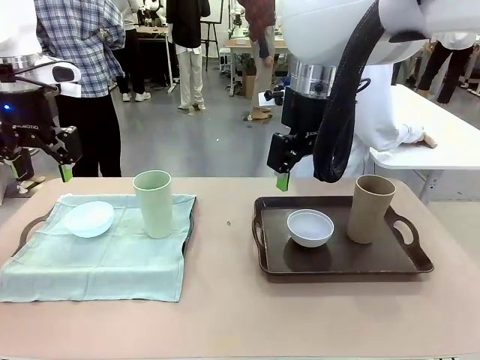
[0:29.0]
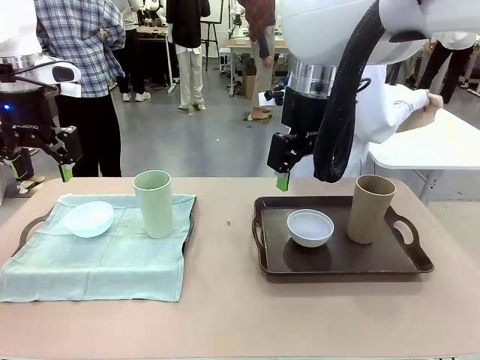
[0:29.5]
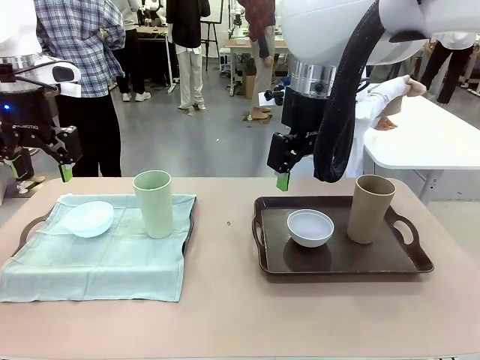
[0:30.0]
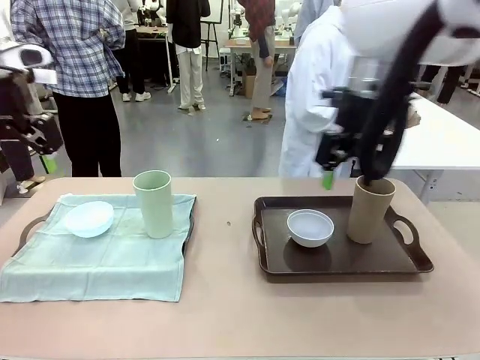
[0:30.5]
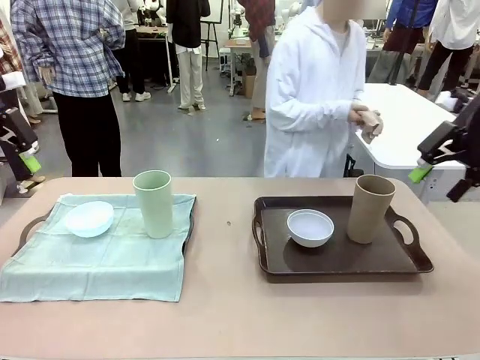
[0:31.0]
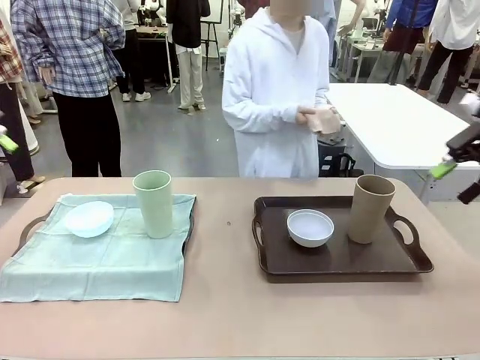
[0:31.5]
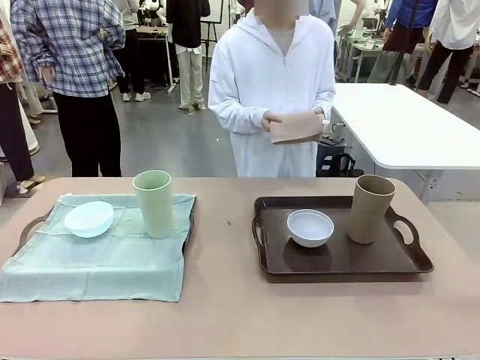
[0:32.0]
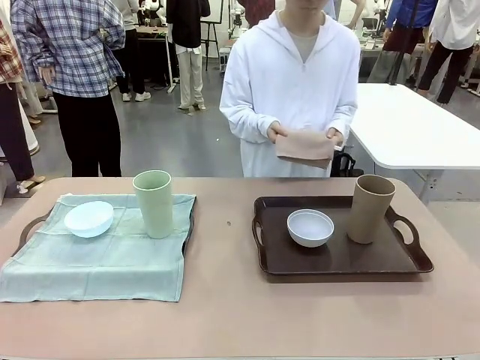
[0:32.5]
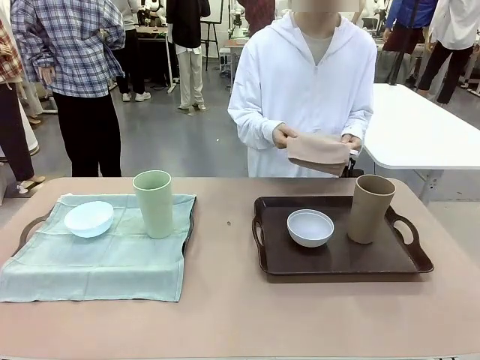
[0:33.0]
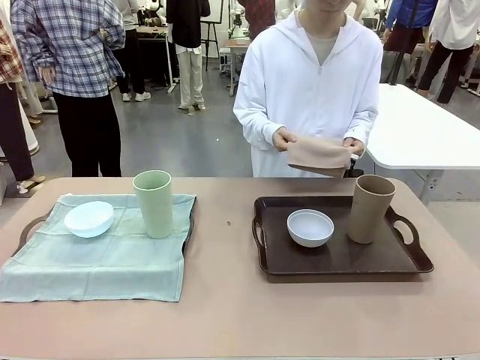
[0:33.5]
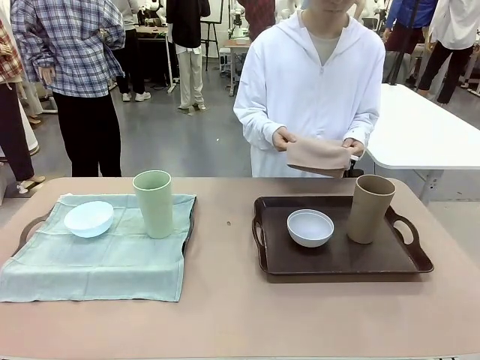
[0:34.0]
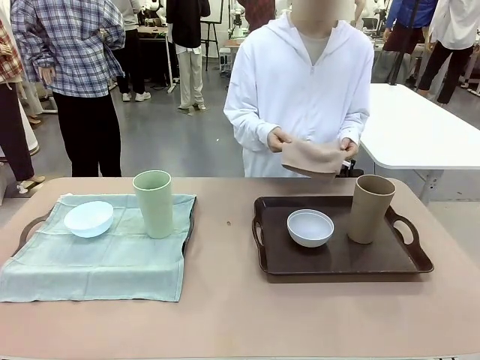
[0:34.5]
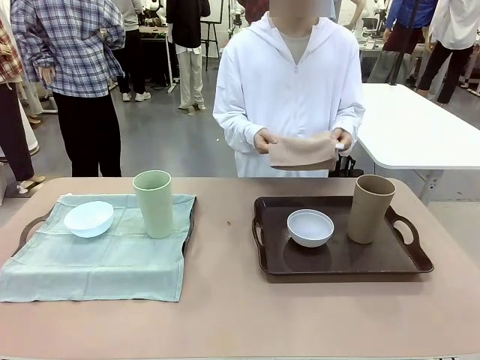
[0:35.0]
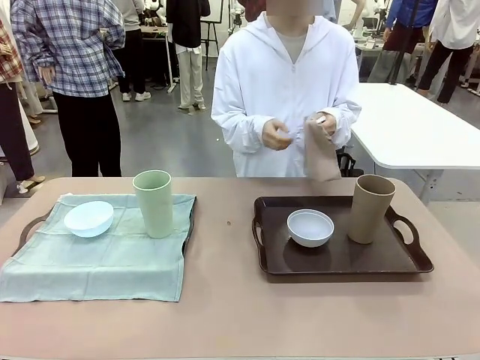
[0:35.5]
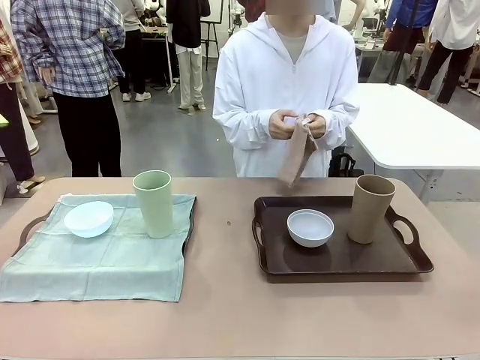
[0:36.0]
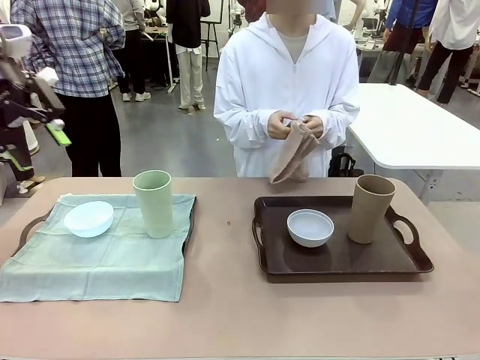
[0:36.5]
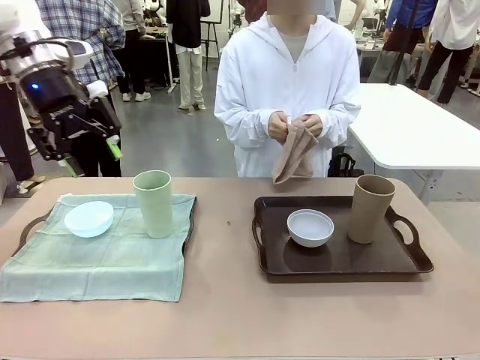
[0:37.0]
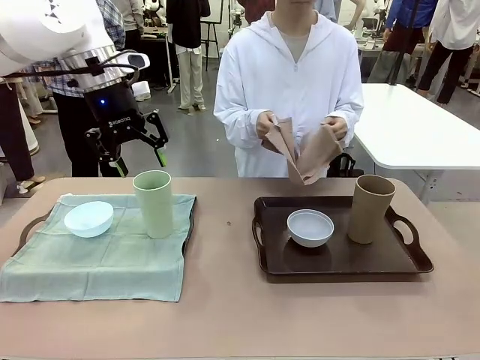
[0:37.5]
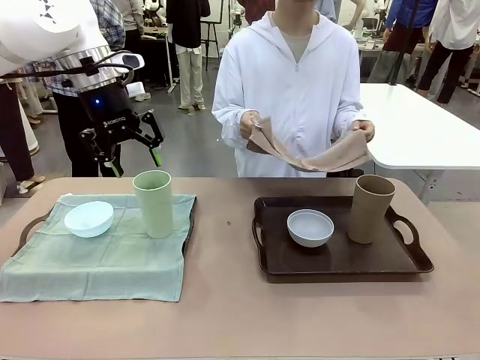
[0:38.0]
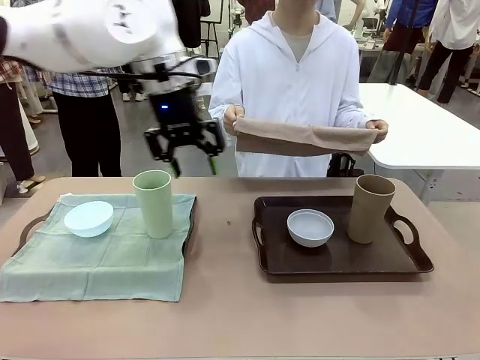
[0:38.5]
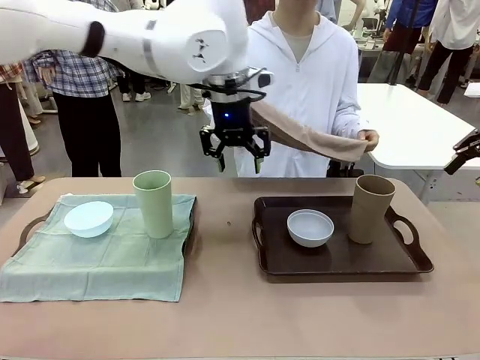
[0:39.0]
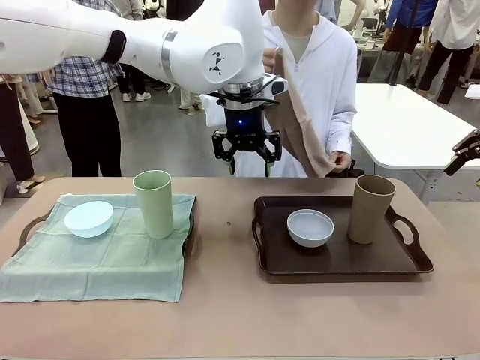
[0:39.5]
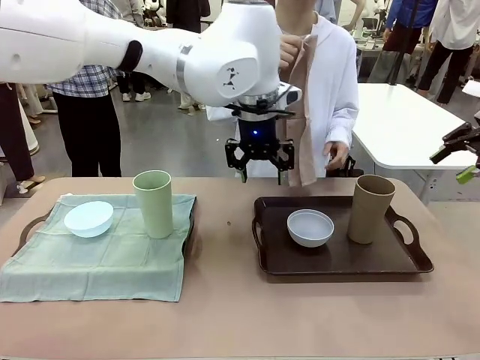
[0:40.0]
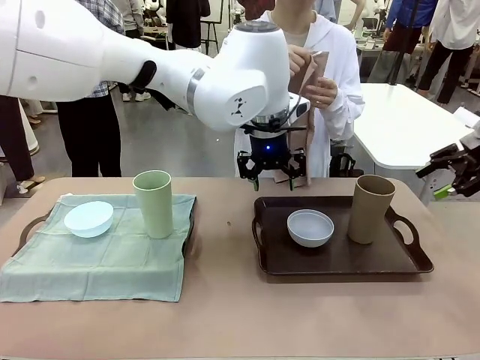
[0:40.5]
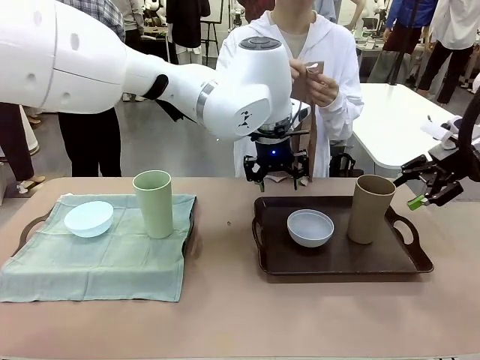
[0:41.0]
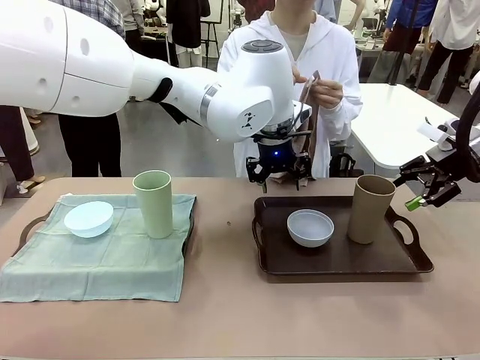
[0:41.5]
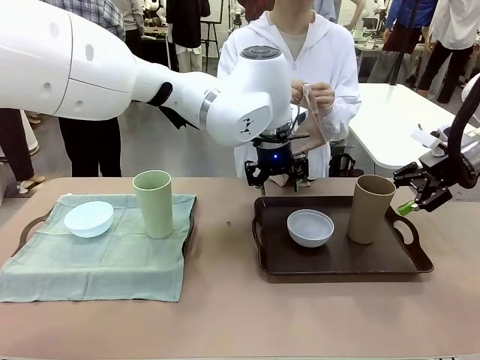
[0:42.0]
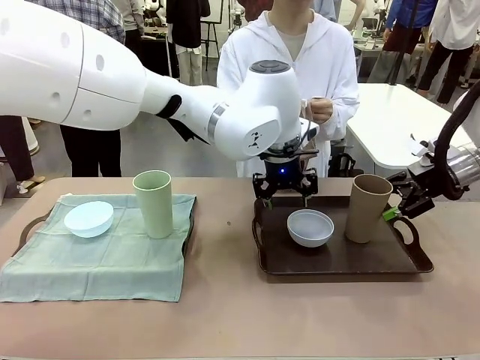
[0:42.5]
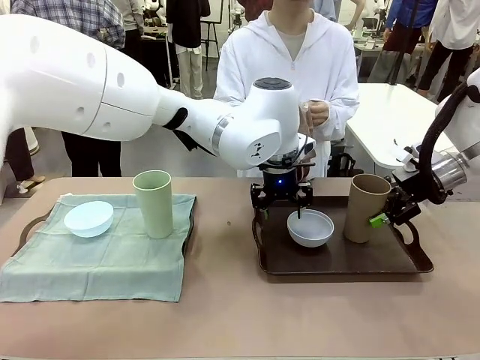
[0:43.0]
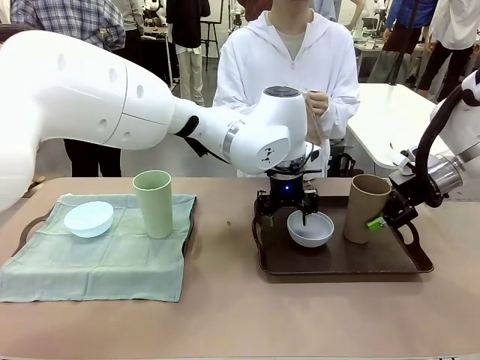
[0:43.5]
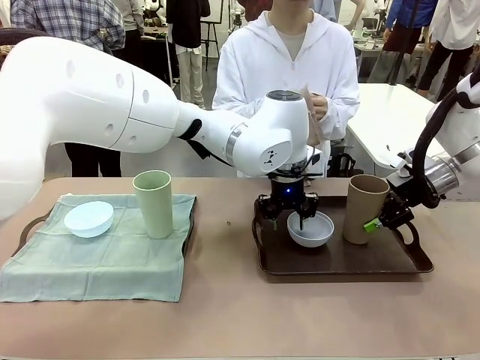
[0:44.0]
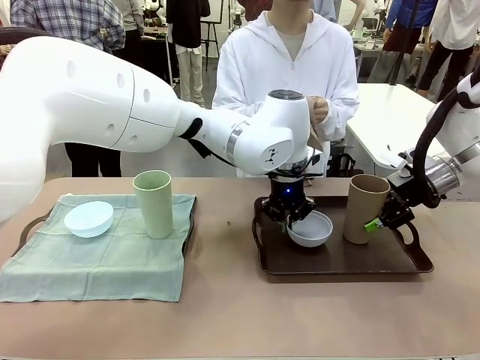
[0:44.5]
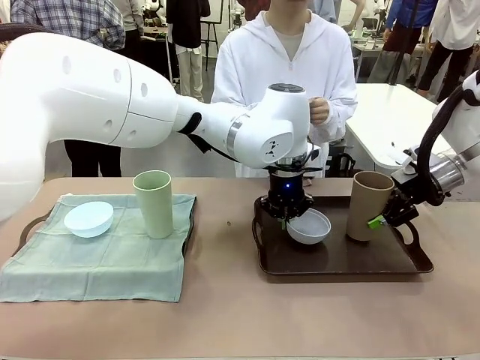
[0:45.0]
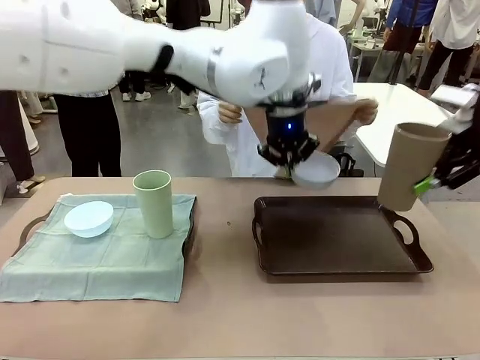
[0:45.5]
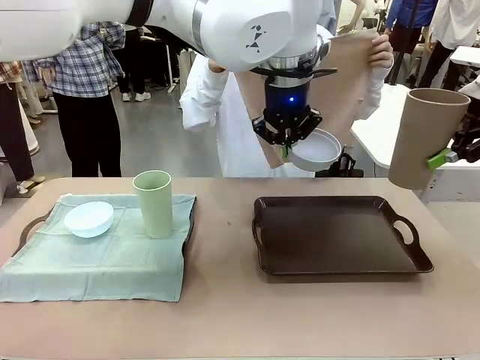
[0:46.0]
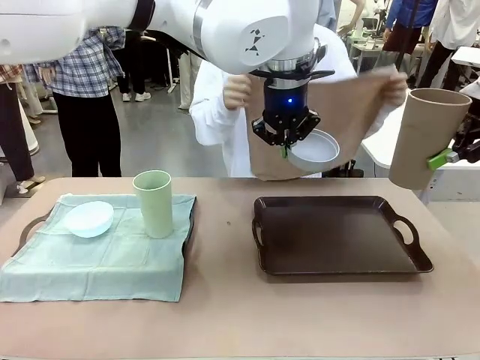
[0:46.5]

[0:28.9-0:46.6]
Robot: Pick up the Picnic Bowl and Reusable plastic cup from the Handle tray in front of the human's position and hold them in the air.
